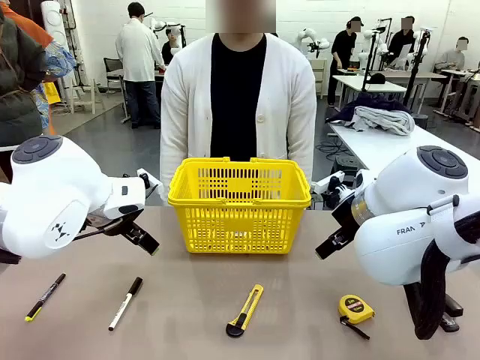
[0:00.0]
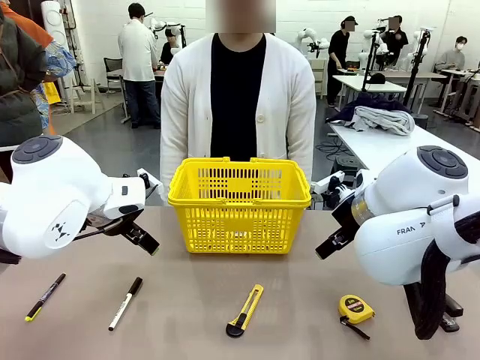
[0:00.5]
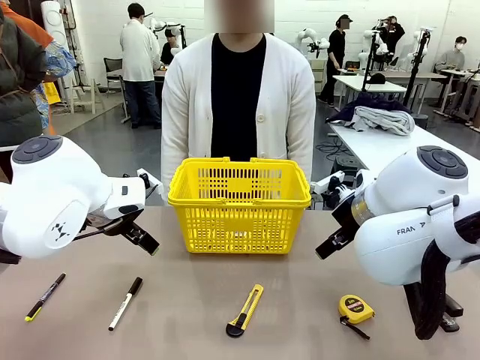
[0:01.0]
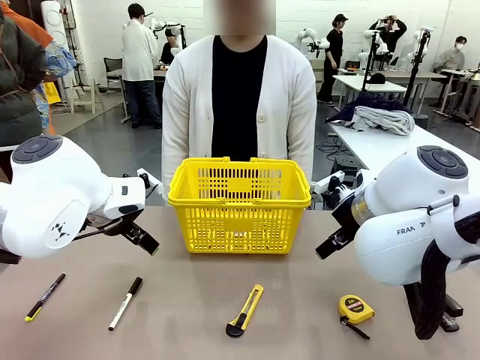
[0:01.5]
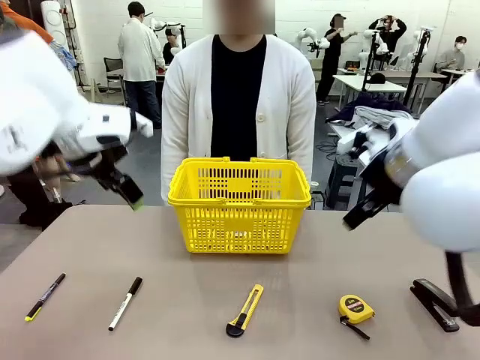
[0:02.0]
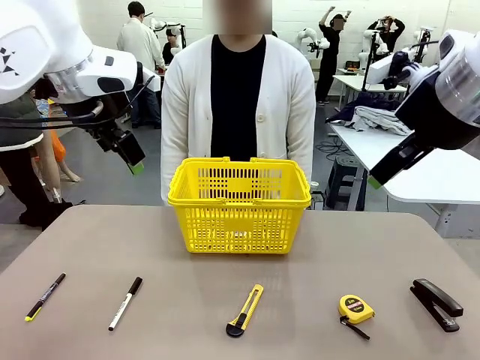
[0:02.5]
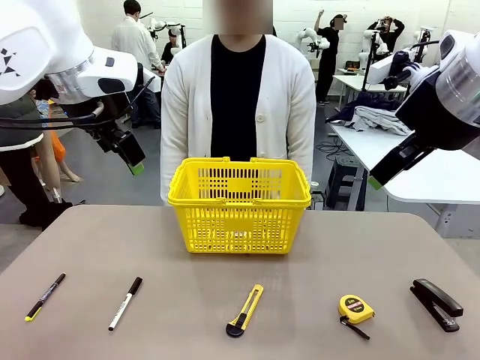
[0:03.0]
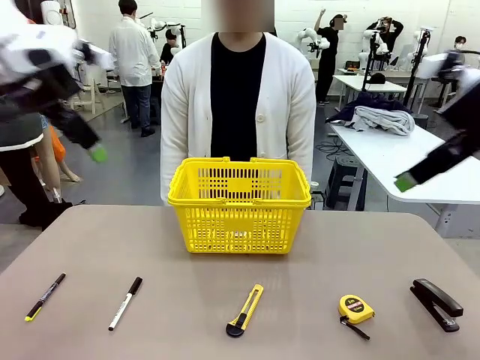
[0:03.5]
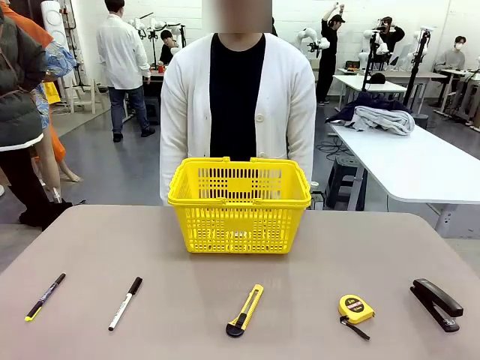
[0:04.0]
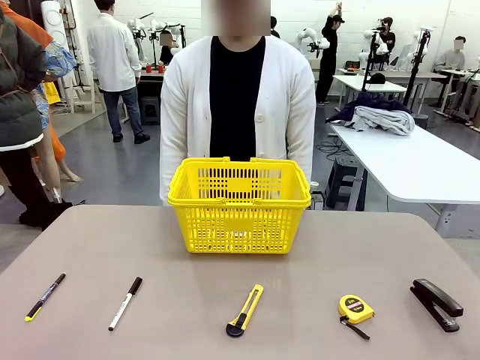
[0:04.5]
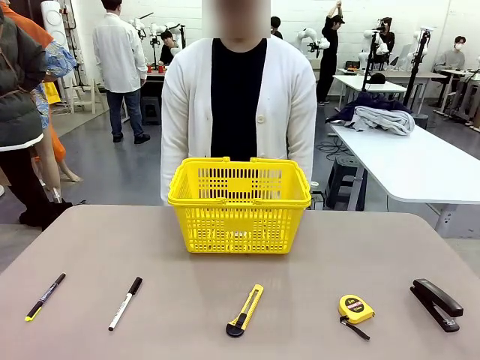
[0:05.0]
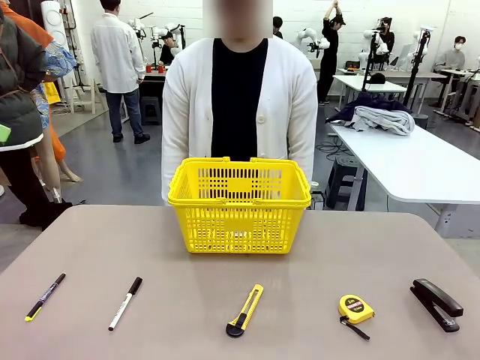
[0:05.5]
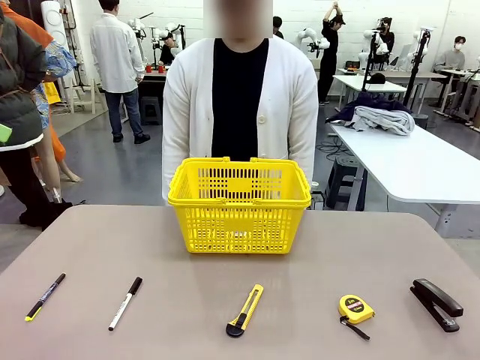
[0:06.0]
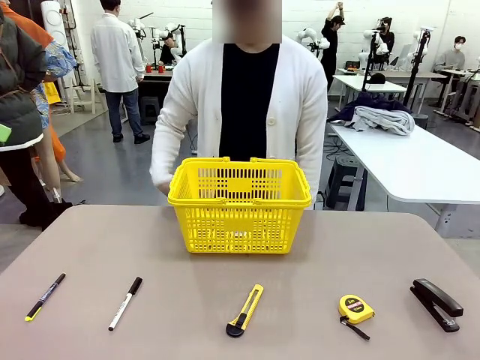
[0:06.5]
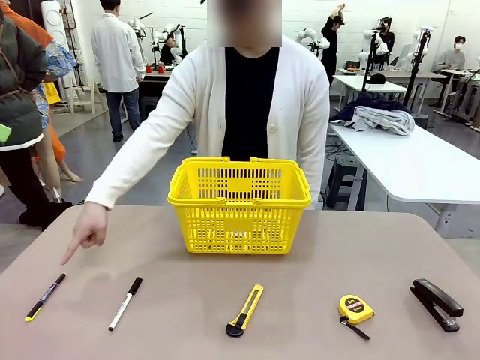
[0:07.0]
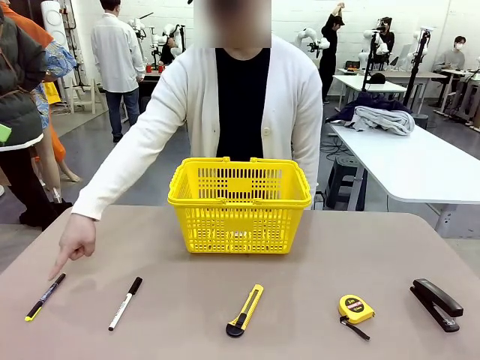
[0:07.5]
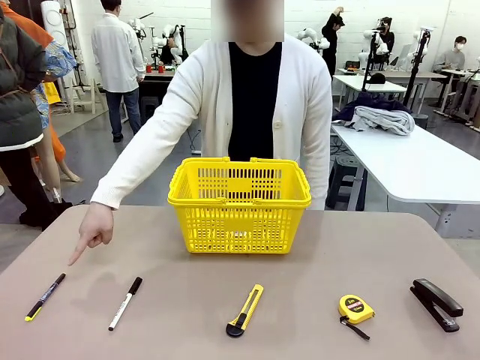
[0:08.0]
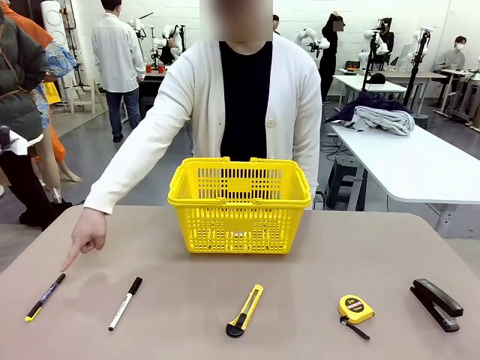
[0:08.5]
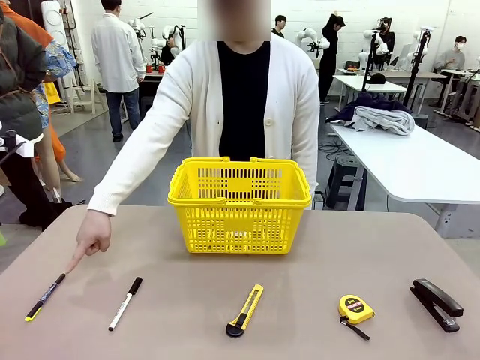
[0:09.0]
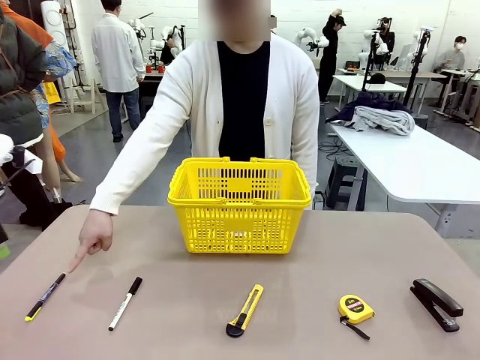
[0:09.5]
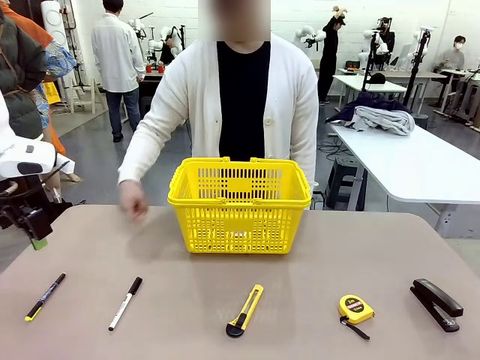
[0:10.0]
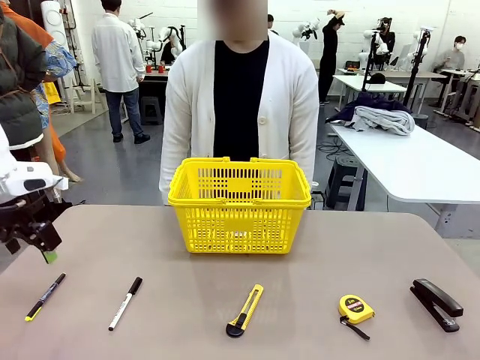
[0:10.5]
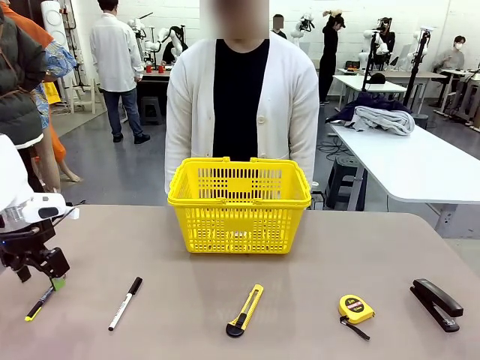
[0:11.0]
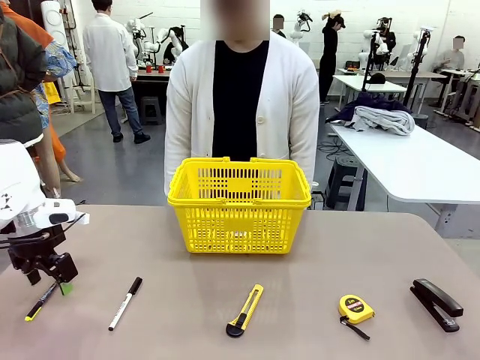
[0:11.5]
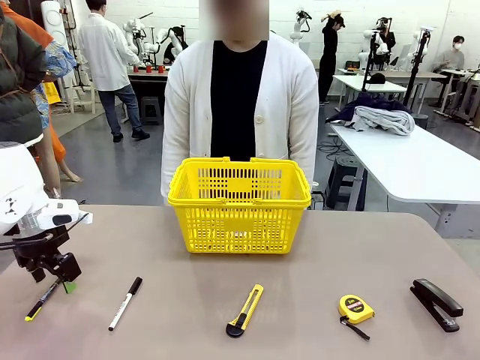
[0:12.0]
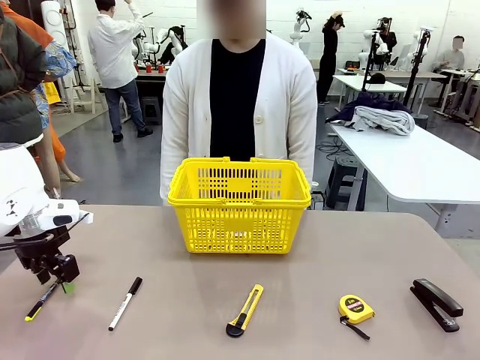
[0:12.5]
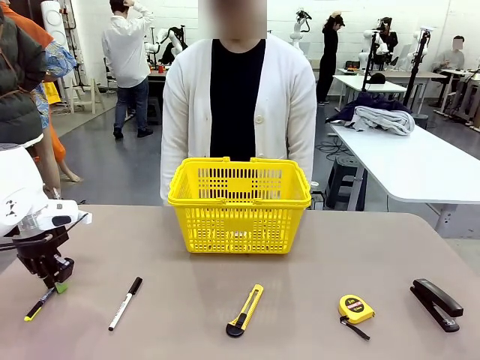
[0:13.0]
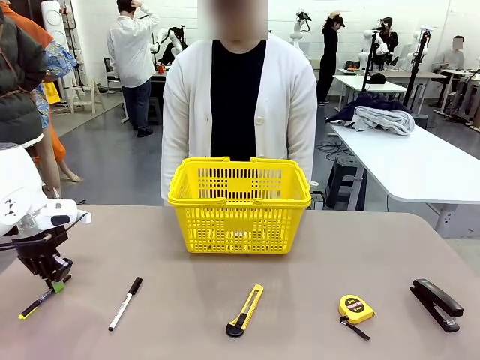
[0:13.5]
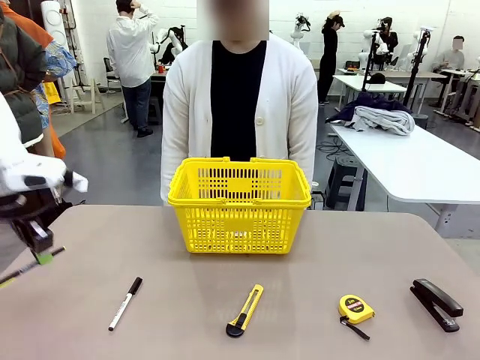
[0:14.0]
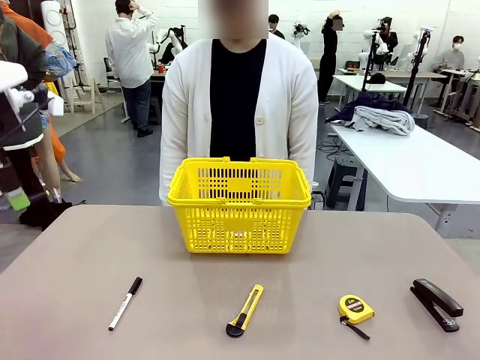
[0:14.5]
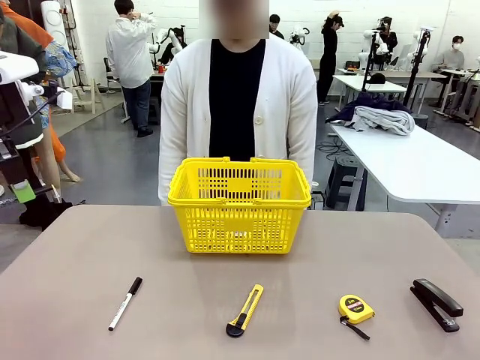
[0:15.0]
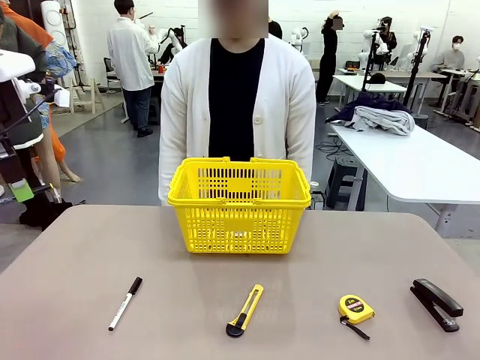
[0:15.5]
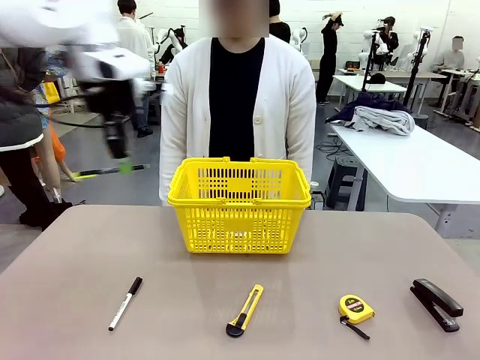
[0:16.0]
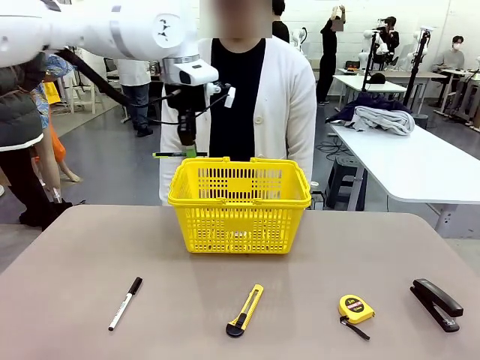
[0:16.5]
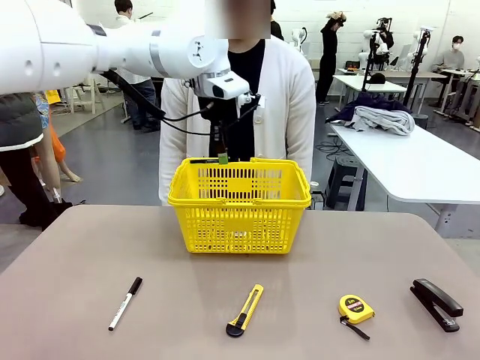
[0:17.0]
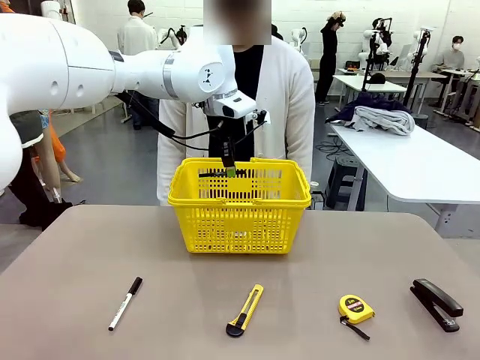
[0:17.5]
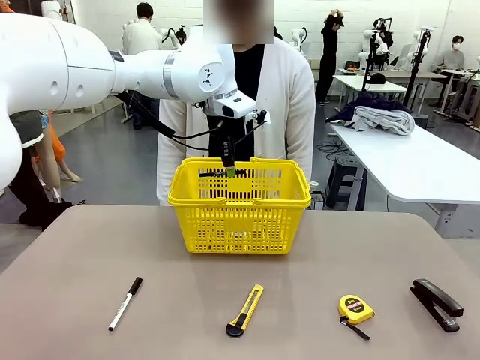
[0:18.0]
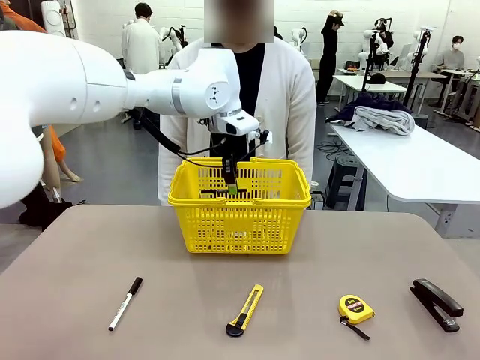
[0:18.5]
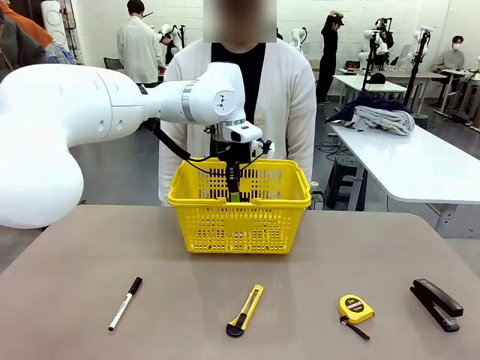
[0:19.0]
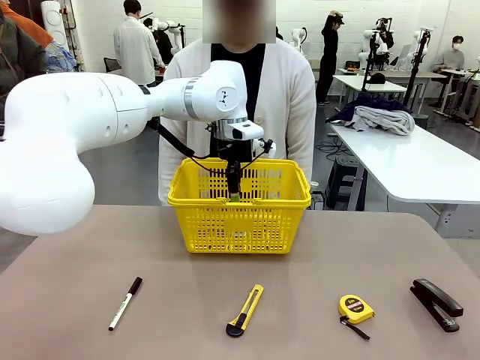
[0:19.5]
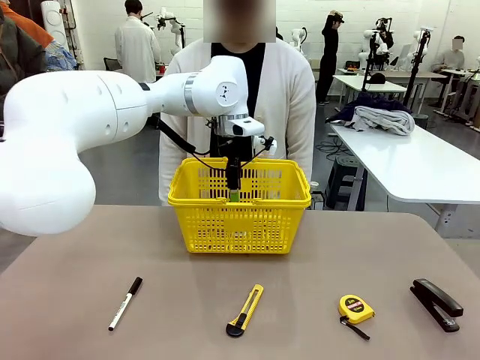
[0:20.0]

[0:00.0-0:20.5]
Task: Place the items the person wants into the basket.
Robot: Pick up the item the person points to and place it in the Market Basket.
